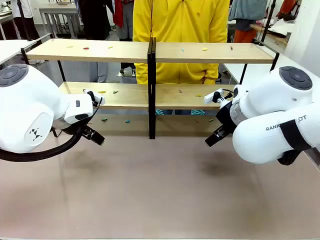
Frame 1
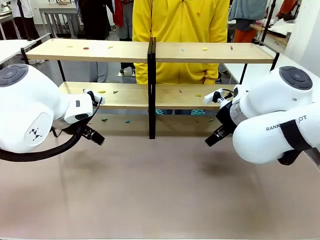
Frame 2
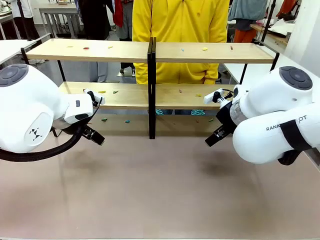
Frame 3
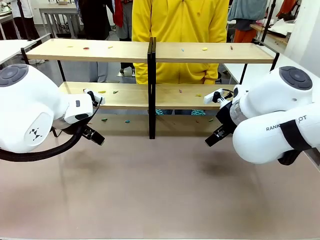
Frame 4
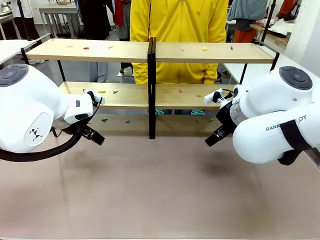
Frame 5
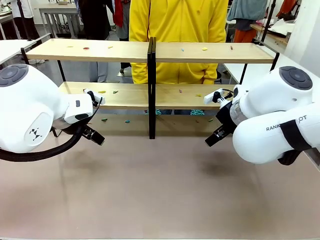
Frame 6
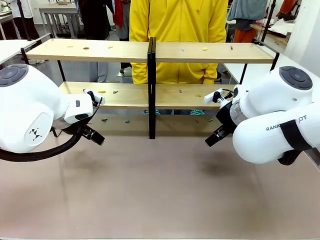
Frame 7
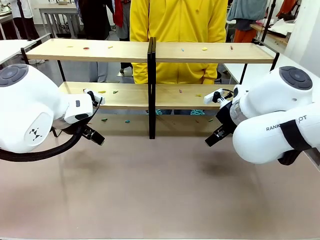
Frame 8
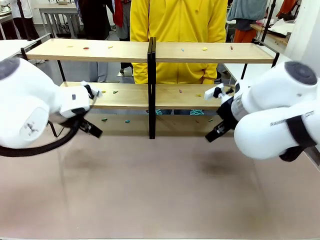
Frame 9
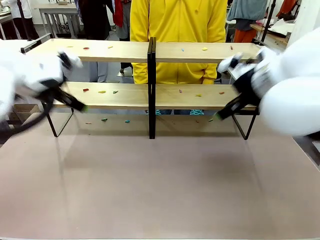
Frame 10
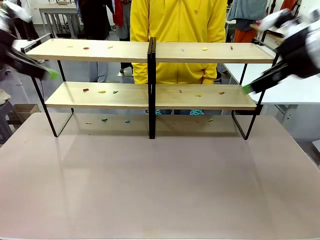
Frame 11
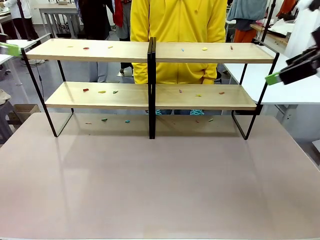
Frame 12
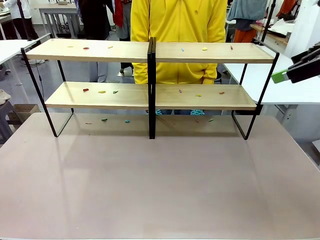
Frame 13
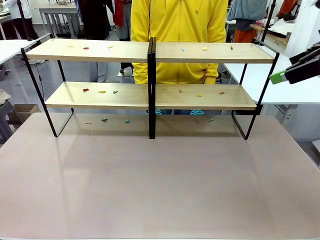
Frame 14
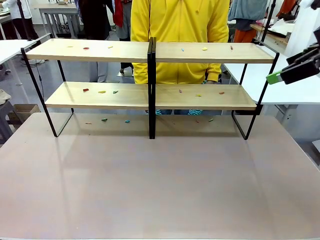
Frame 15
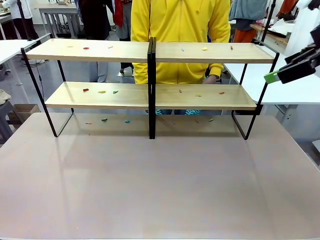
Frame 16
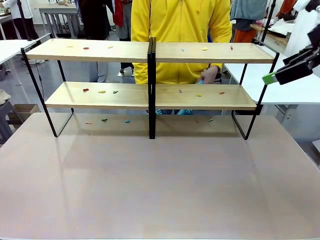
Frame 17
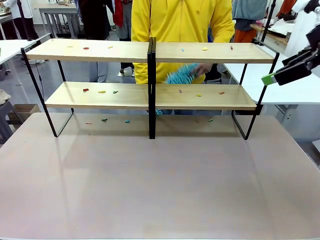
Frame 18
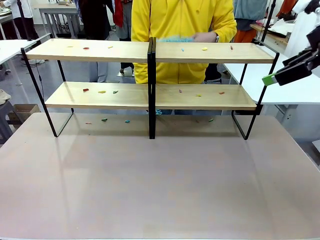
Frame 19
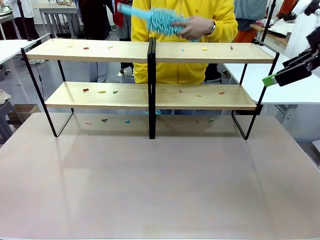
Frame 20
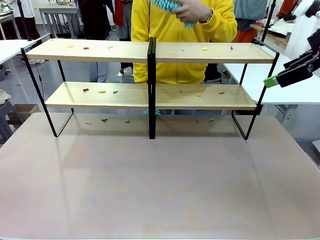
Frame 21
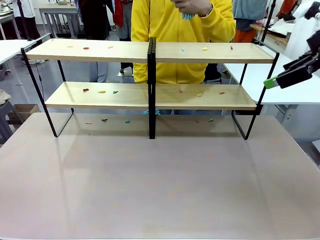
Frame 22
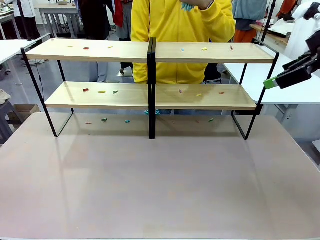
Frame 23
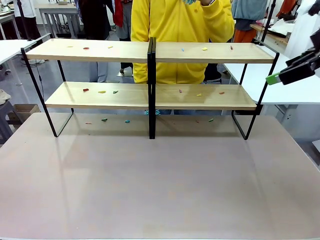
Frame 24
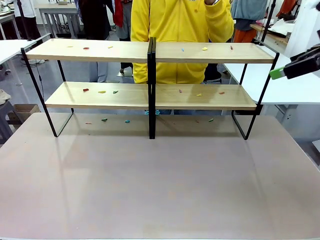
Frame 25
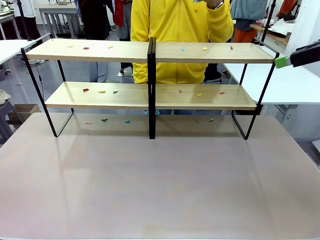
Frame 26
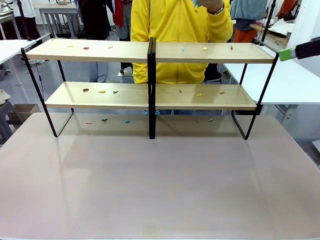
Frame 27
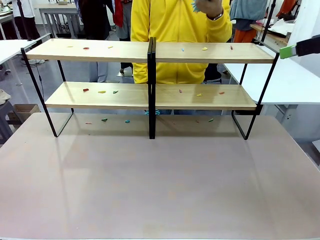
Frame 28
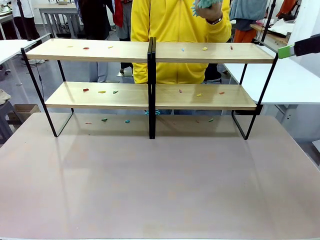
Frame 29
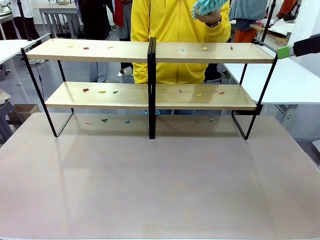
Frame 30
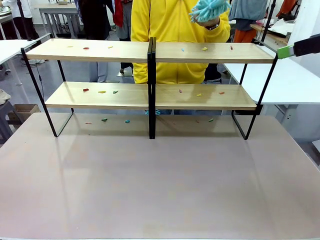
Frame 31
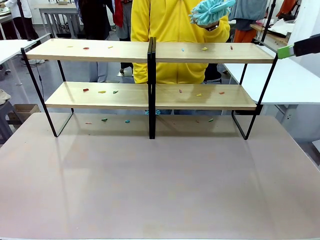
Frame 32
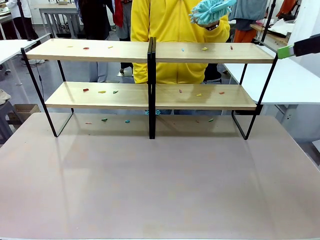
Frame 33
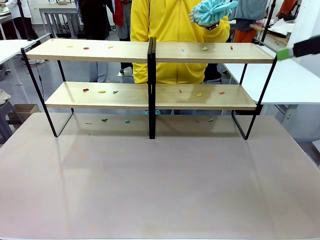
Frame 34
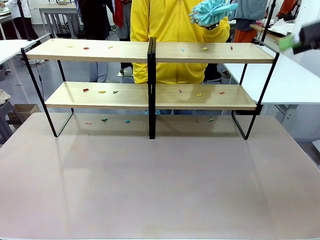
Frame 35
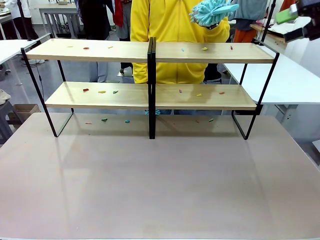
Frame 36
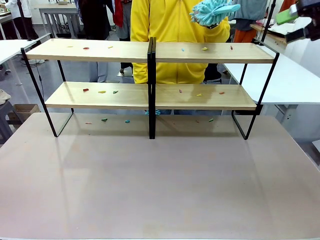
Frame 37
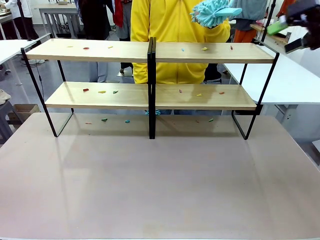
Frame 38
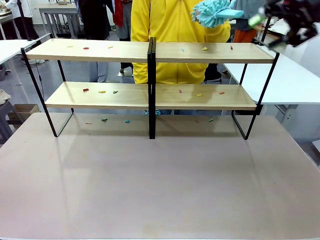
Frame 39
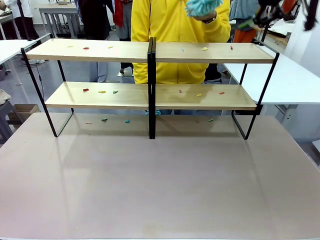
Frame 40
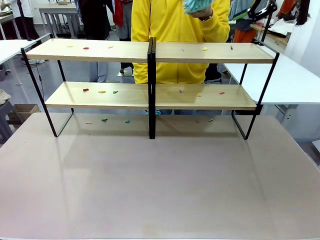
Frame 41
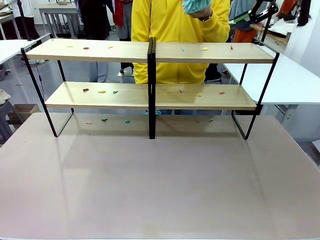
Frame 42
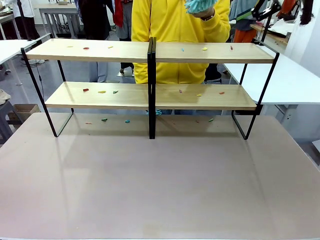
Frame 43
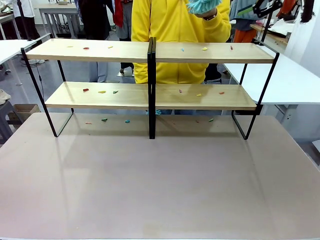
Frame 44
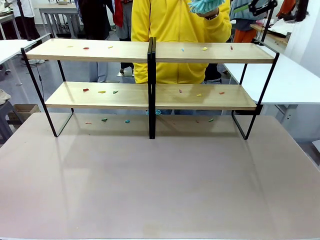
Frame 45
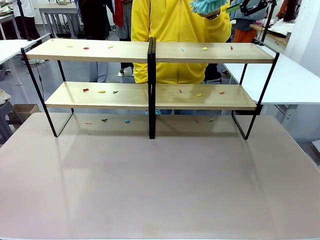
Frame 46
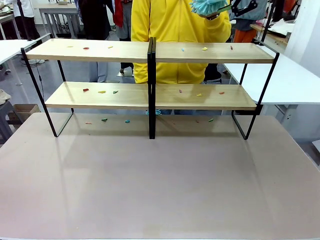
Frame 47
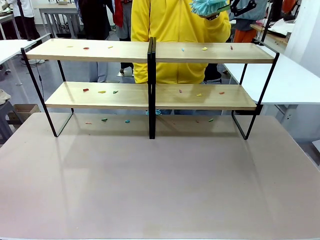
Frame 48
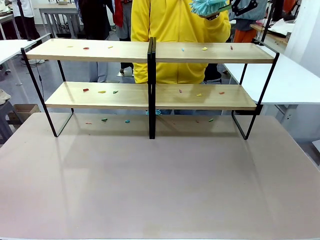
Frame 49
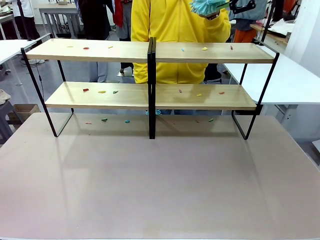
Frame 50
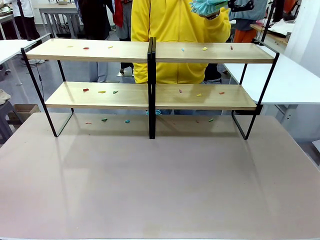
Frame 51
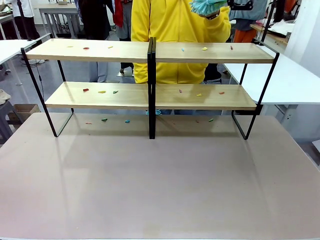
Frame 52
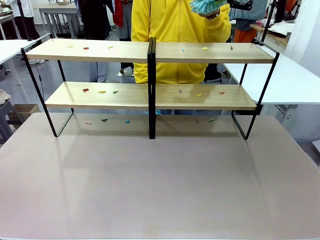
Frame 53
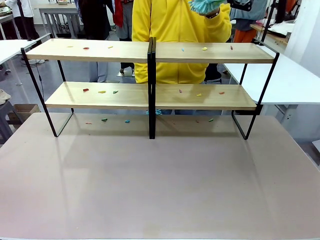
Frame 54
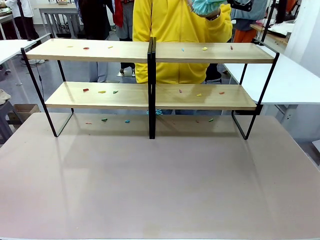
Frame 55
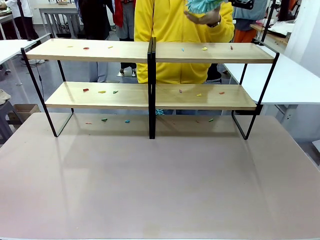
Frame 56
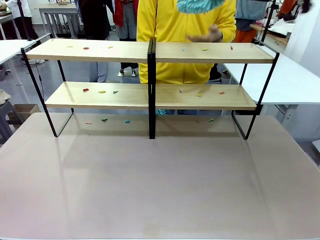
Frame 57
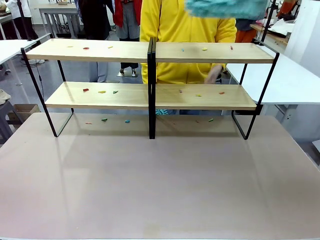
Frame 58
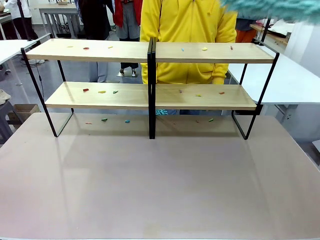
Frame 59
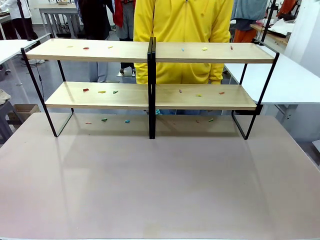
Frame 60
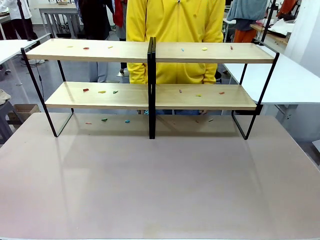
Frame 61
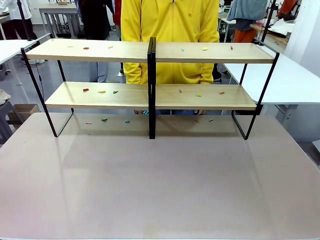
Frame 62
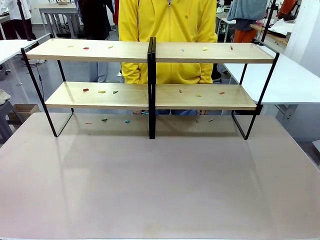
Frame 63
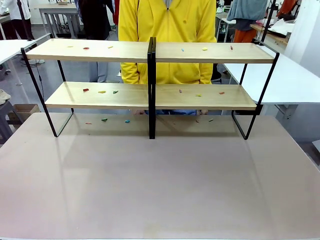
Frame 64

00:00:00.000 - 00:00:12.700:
Task: Clean the shelves.
Robot: Pick up the Duster when the human hands it over.
Person: Hand the Duster to the robot with your right (or left) hand.

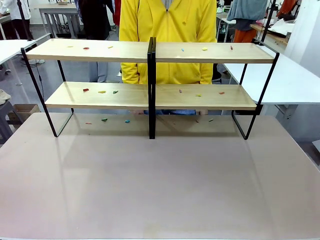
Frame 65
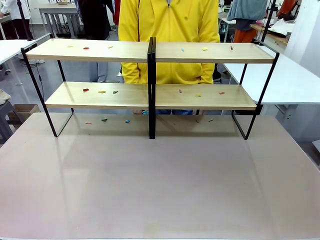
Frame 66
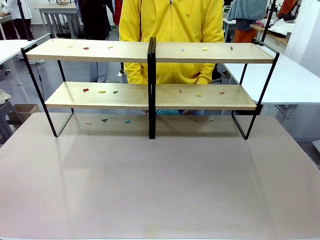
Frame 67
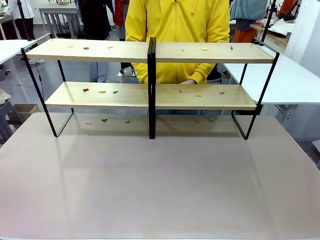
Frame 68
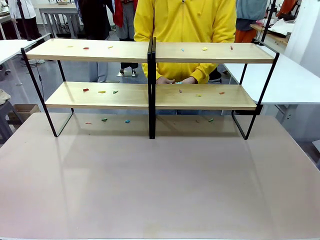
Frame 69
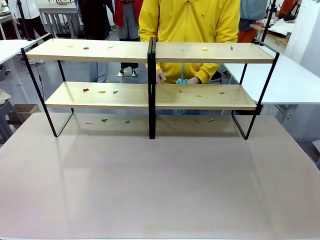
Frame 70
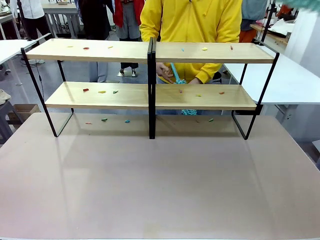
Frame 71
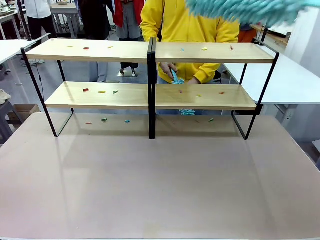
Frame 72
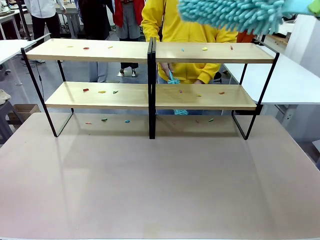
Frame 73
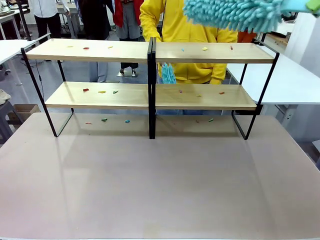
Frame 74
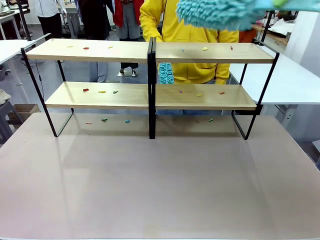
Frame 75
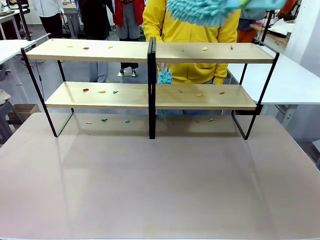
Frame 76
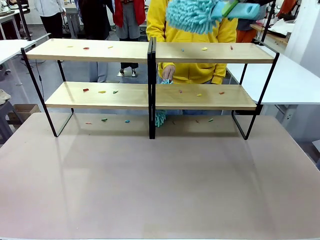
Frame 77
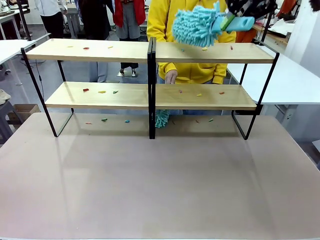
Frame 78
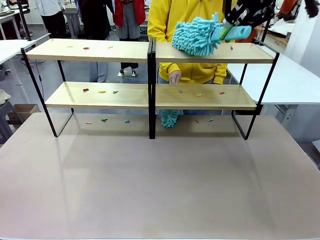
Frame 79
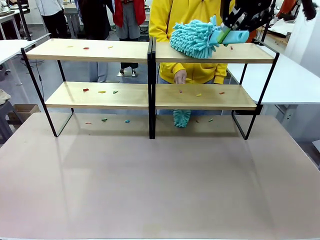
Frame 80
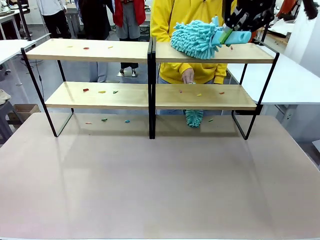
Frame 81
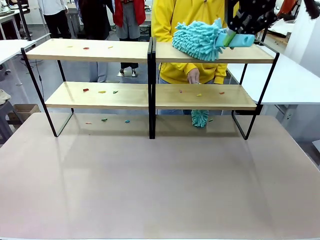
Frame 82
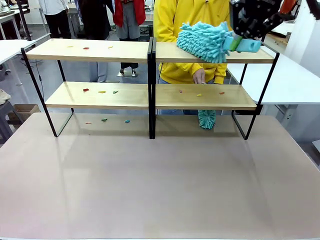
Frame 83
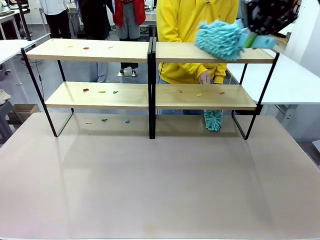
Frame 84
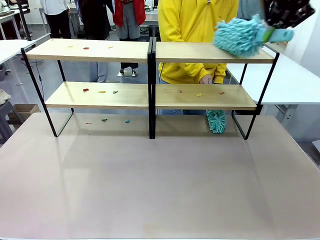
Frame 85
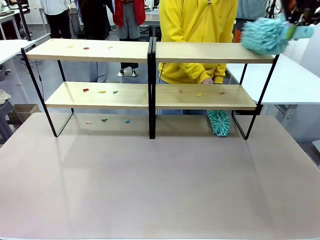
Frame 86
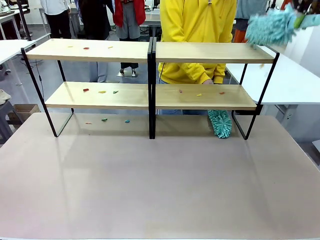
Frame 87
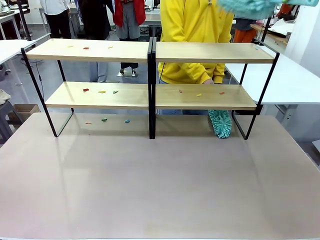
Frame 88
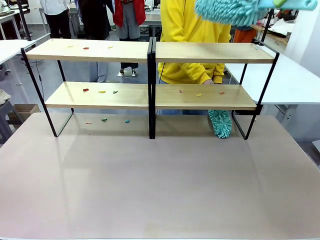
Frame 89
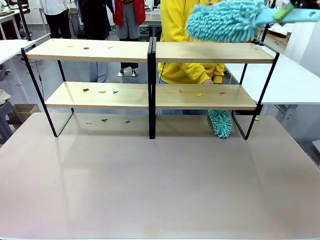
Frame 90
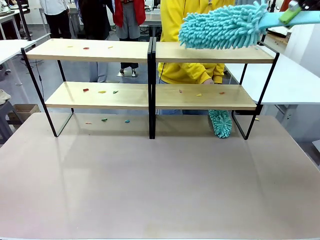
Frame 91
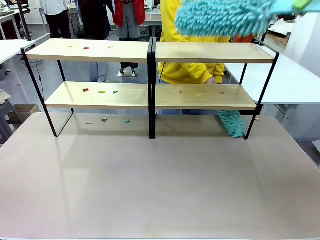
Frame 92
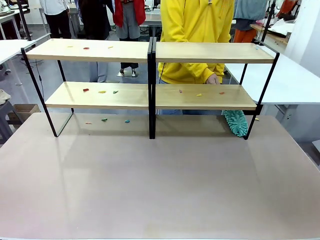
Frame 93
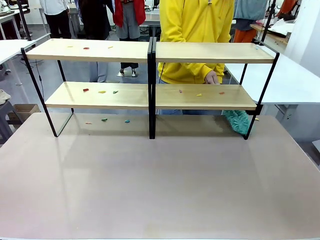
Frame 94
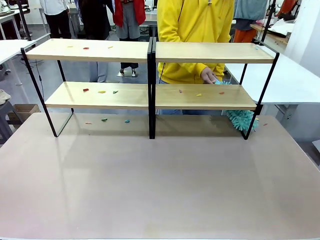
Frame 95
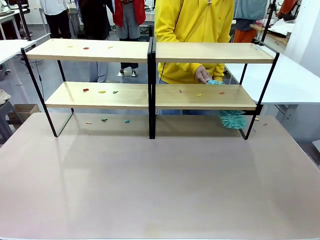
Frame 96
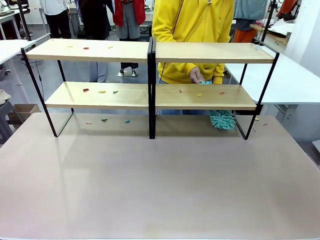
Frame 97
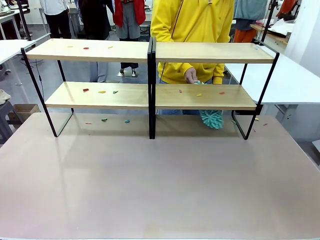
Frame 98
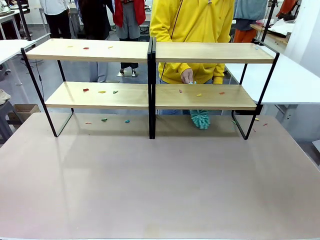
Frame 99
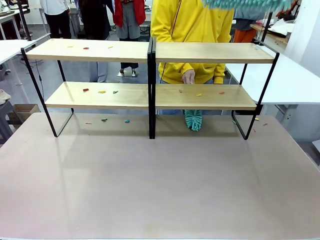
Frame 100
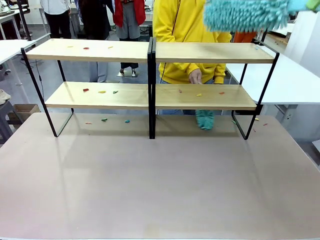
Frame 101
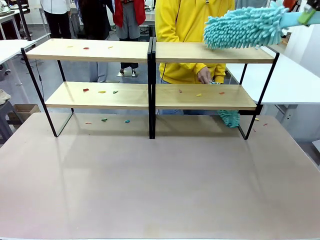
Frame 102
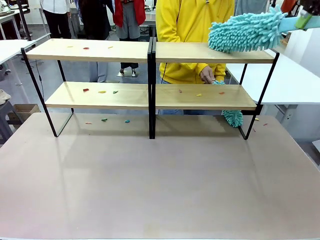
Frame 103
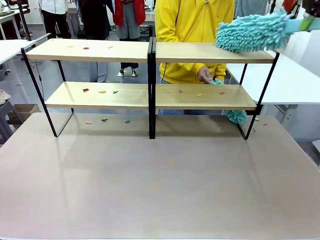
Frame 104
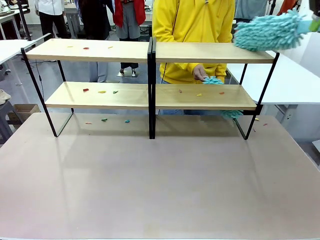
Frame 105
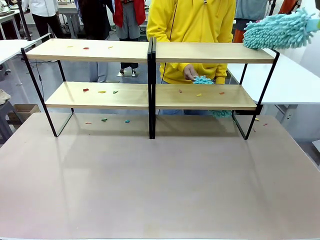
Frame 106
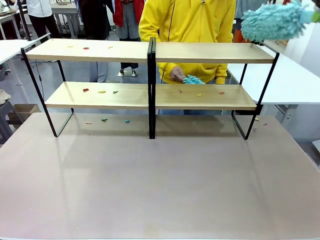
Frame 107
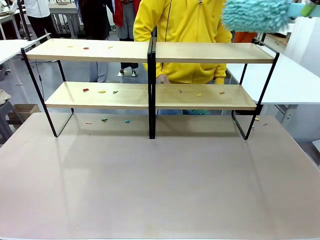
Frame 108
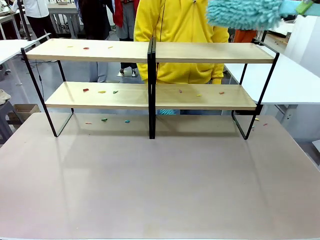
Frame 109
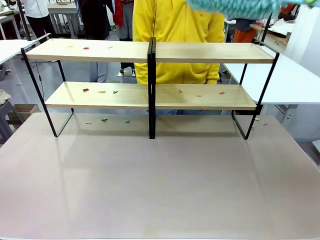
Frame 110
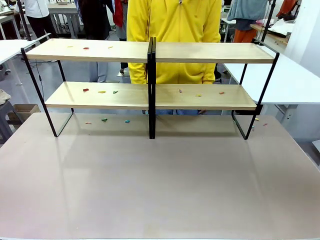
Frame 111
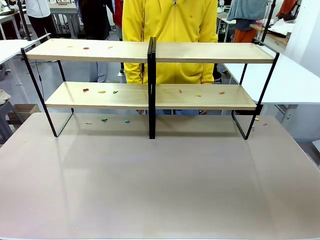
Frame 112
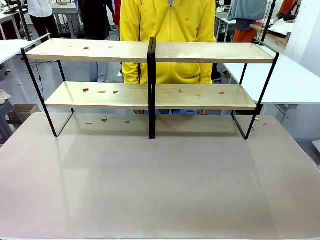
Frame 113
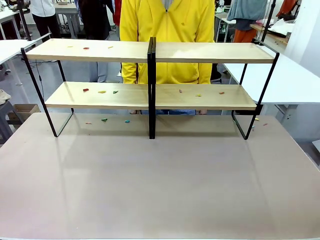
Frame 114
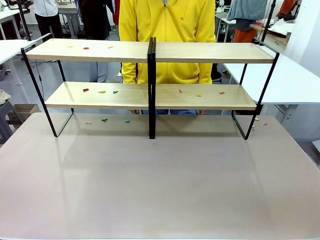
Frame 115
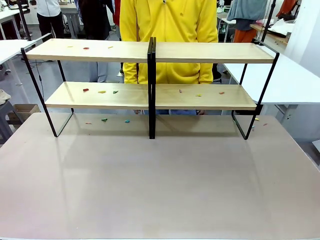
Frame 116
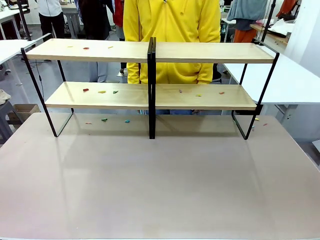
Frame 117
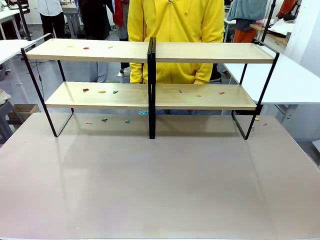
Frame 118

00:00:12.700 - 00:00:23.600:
Robot: Clean a randomly selected level of the Shelf with the Duster.
